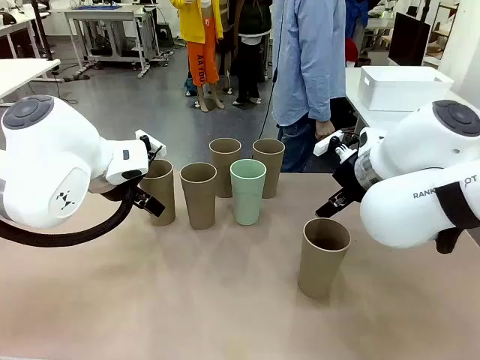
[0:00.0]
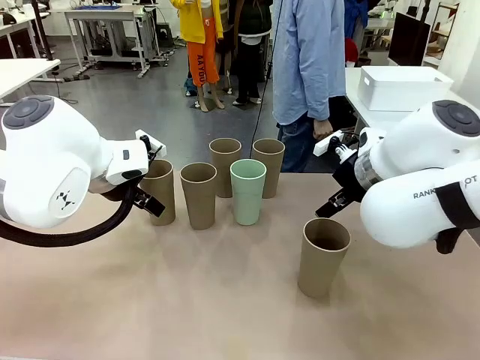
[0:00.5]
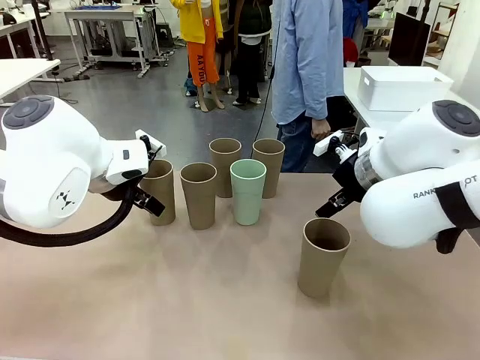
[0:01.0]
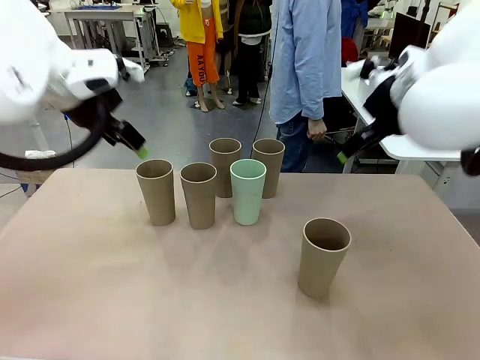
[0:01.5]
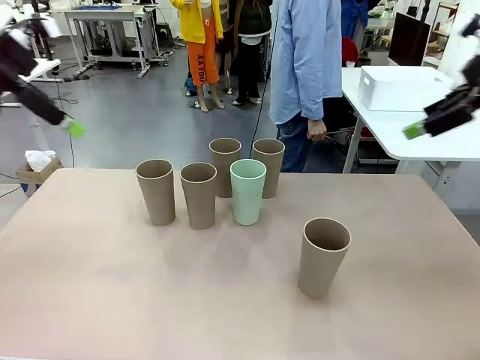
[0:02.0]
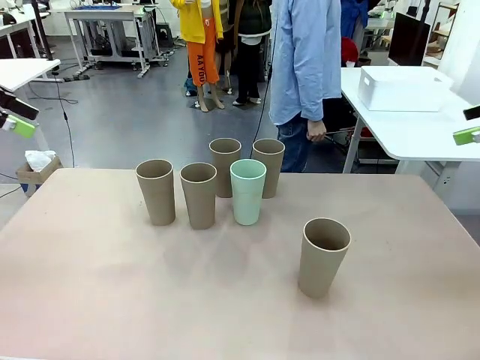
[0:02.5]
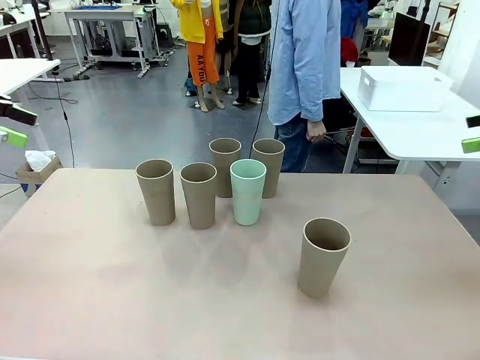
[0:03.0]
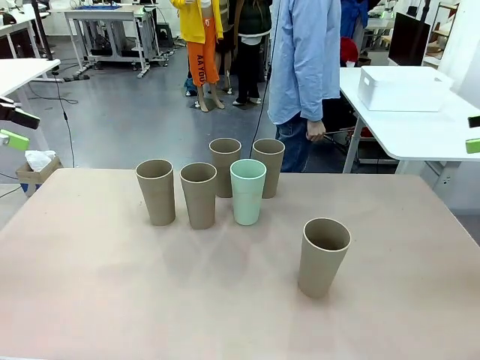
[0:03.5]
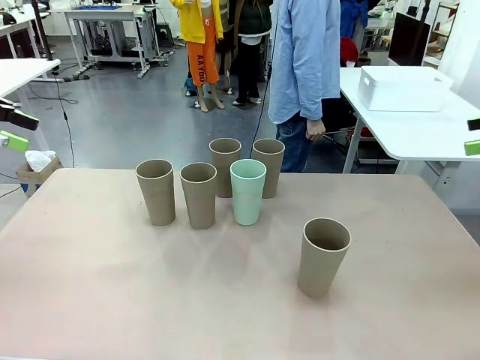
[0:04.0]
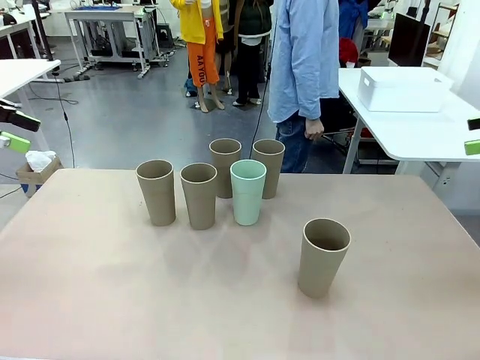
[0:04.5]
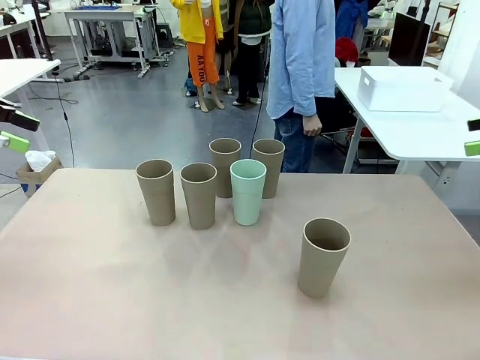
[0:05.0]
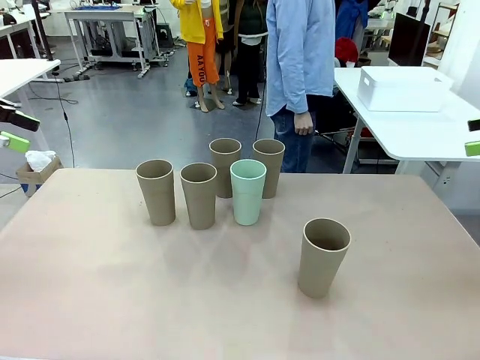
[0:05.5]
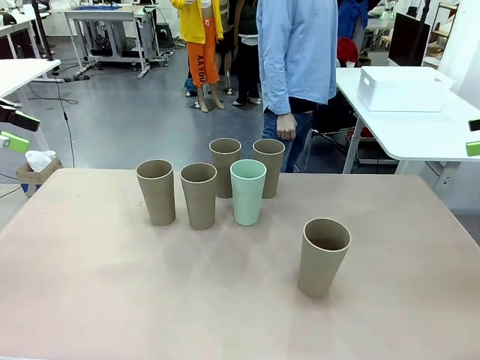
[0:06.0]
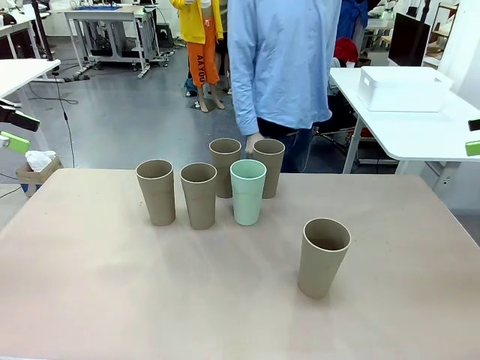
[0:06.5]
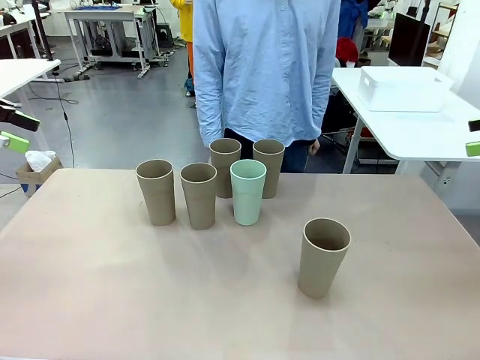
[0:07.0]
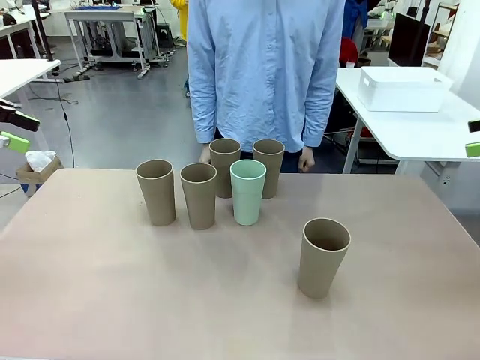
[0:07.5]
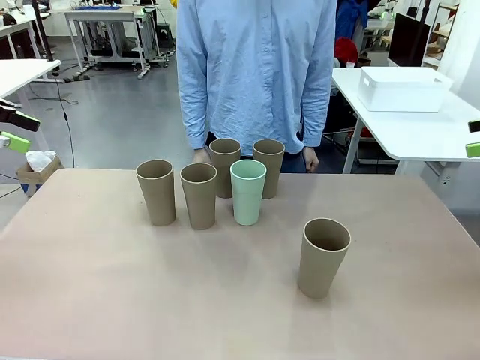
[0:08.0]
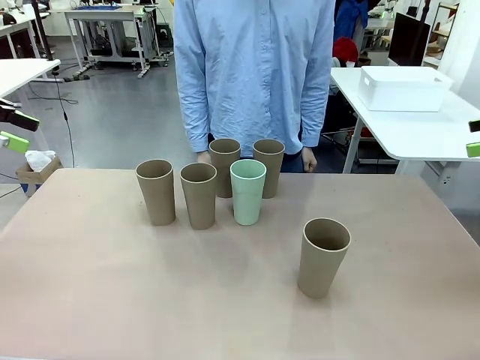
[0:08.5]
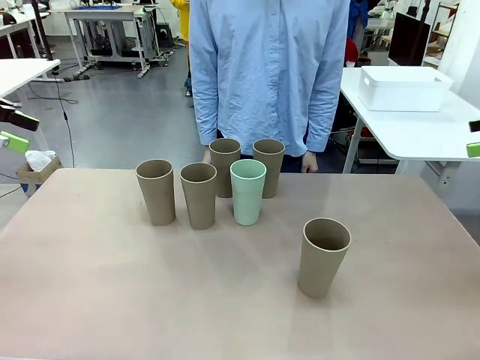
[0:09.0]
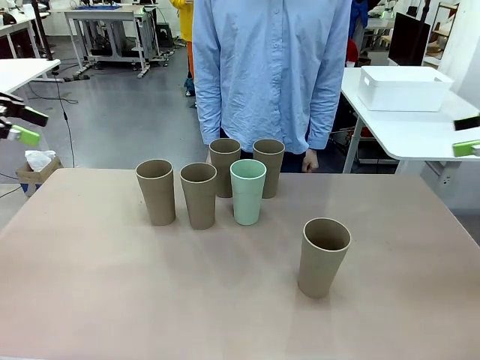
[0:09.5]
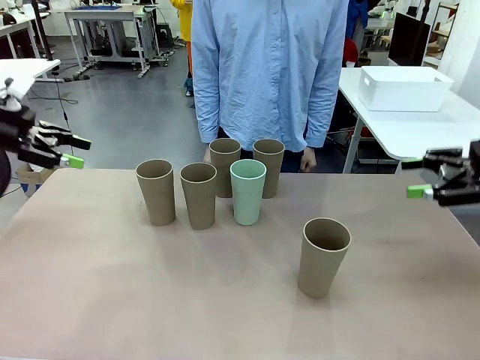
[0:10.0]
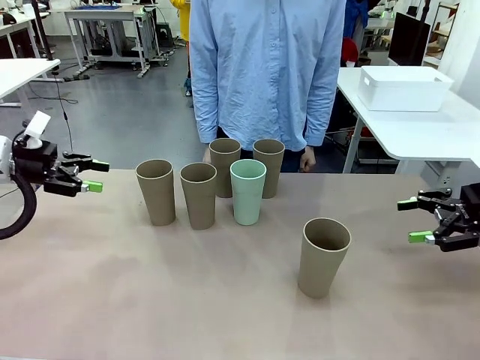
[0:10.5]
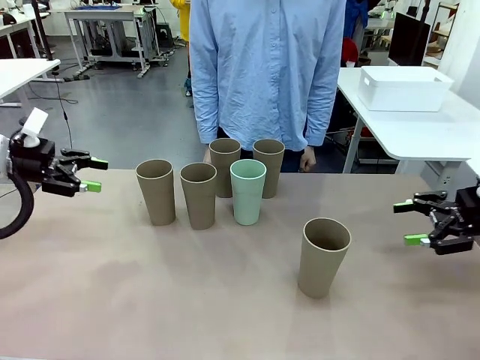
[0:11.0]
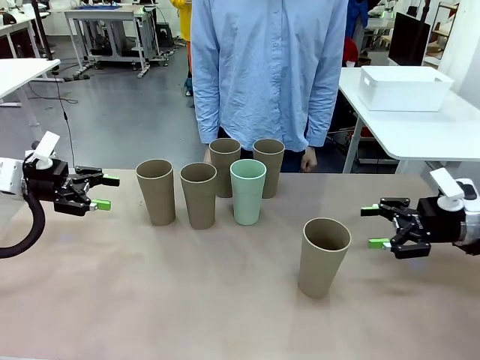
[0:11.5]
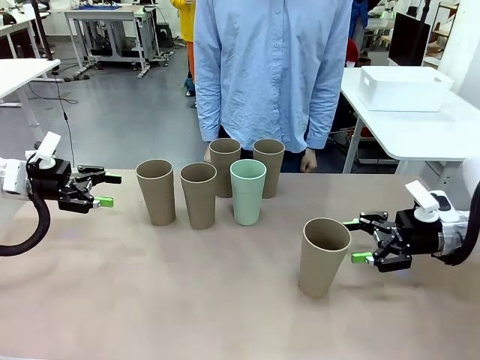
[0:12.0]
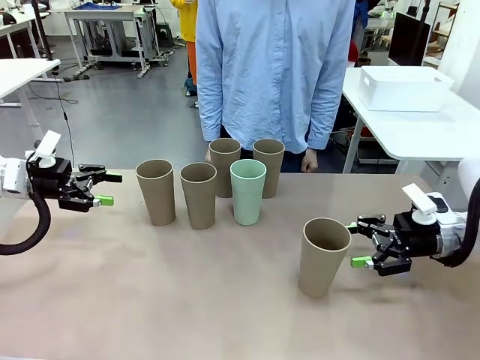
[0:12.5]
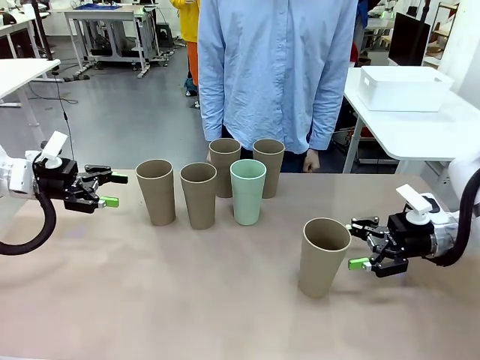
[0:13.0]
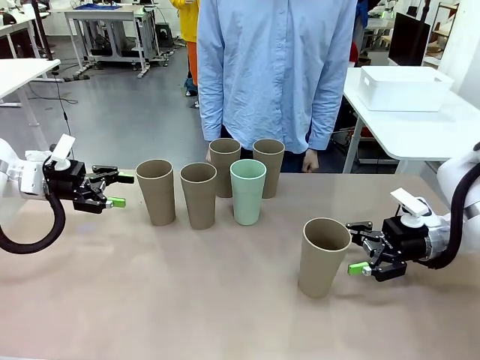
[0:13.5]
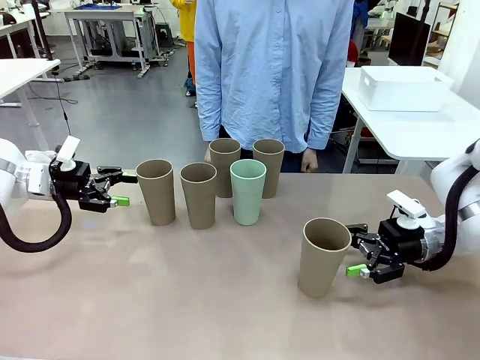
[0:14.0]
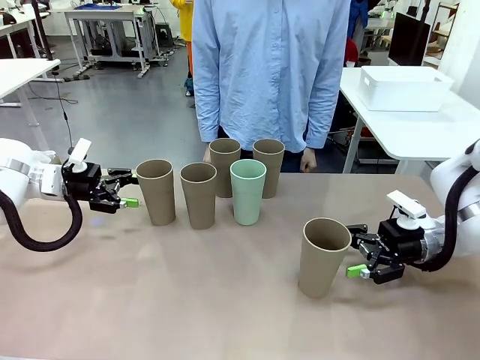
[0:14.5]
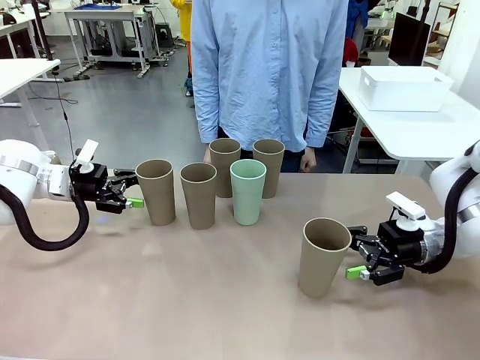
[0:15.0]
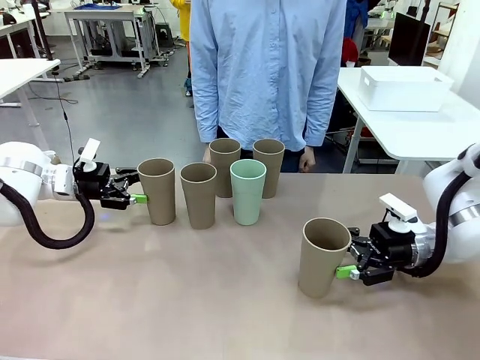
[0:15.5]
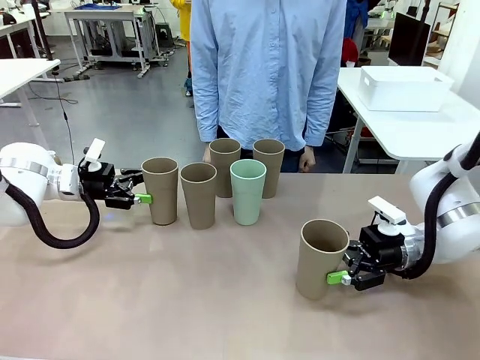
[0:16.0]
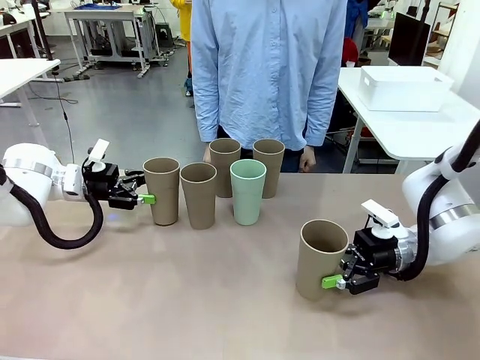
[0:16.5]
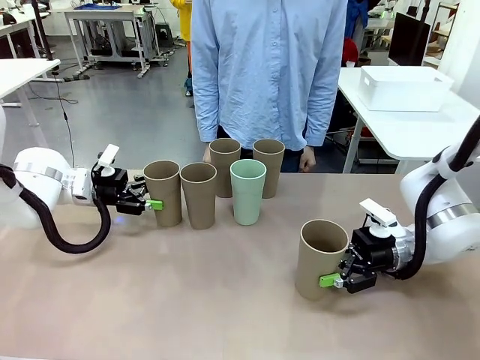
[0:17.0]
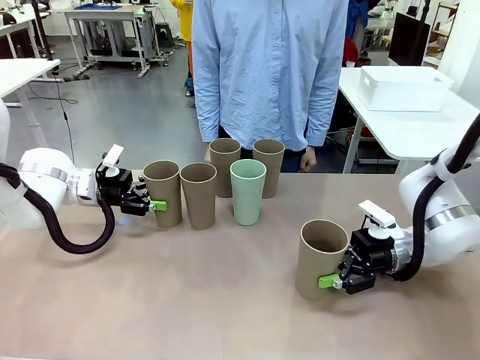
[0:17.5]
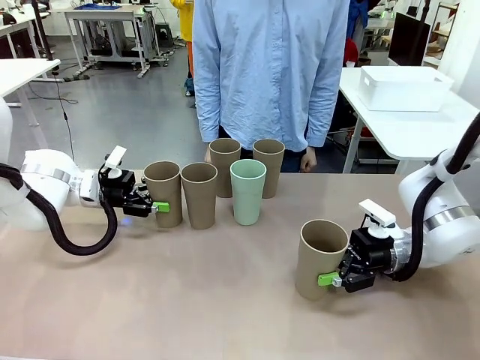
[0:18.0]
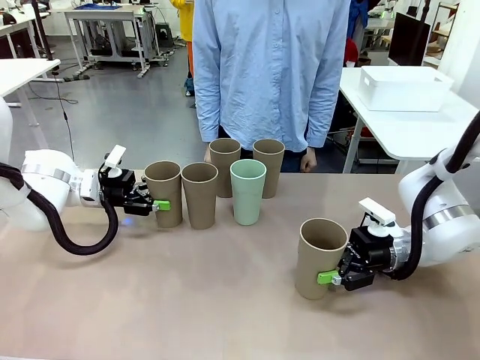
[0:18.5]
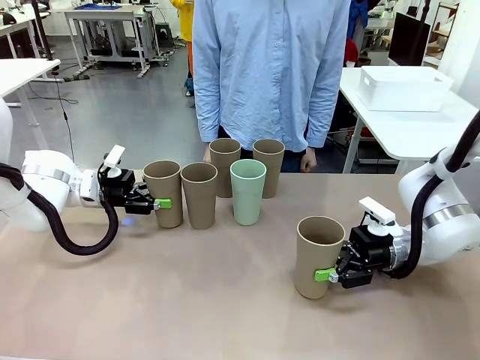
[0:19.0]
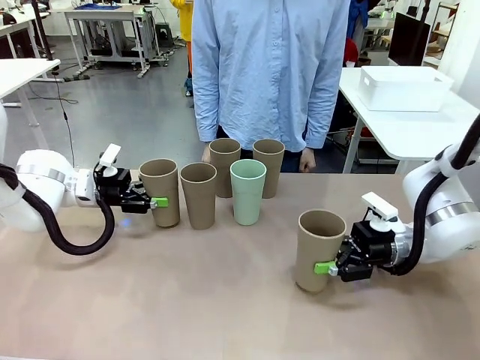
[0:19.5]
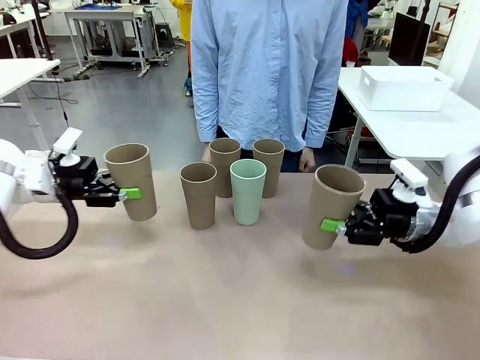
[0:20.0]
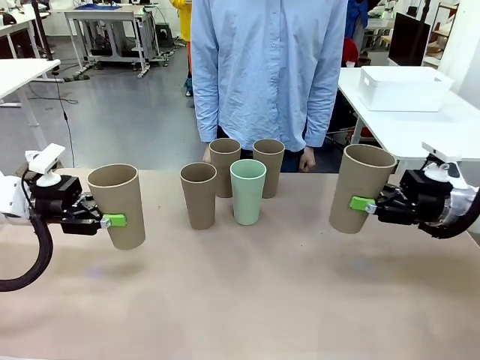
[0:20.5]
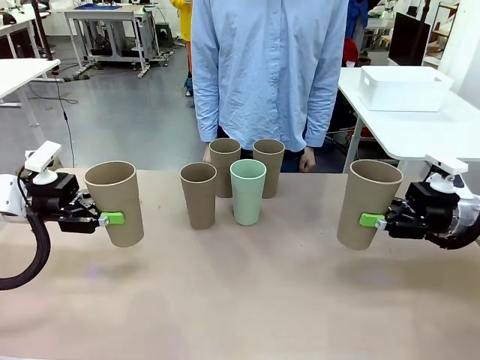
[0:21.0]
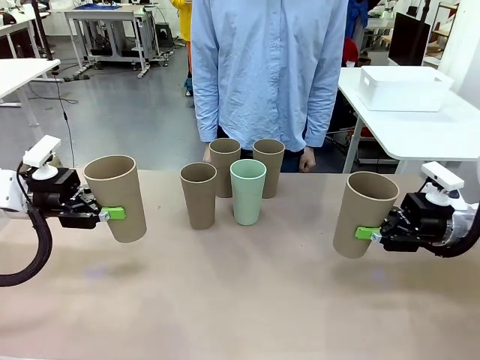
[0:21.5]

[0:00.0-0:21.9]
Task: Stack the cups and store them in the basket.
Robot: Pick up two Reusable plastic cups , one in each hand.
Person: Move from the Human Table to the front of the Robot Table. Stack two of the remaining cups on top of each cup held by the robot.

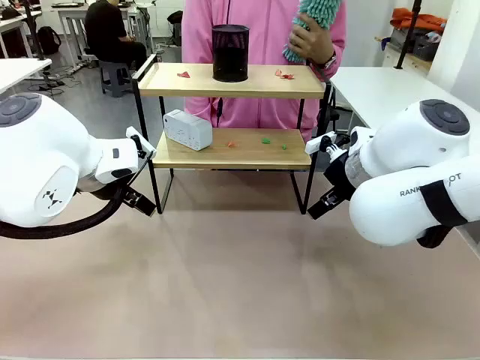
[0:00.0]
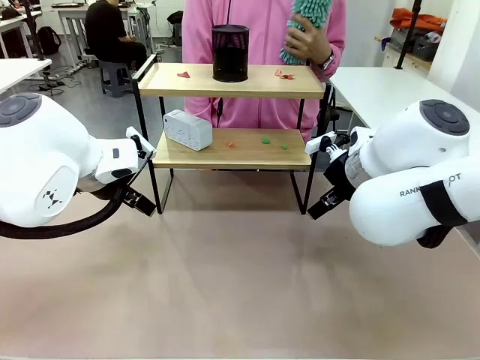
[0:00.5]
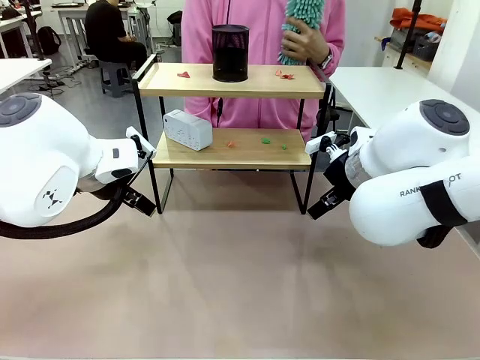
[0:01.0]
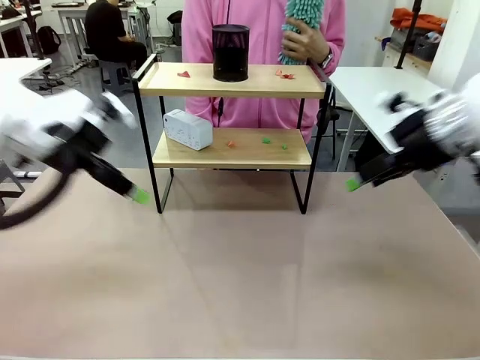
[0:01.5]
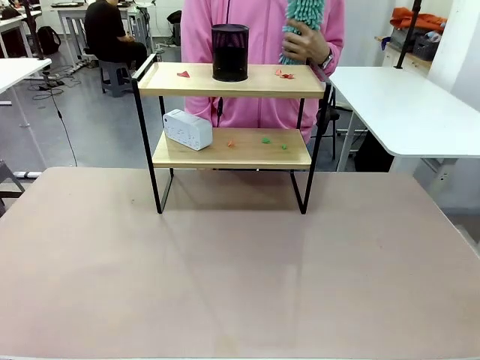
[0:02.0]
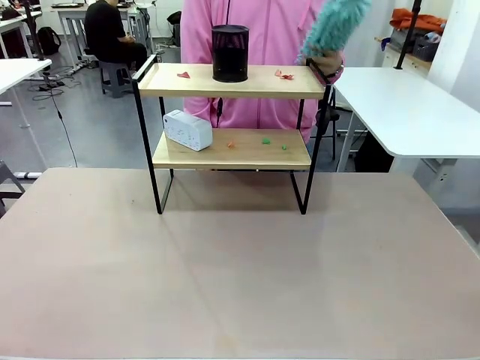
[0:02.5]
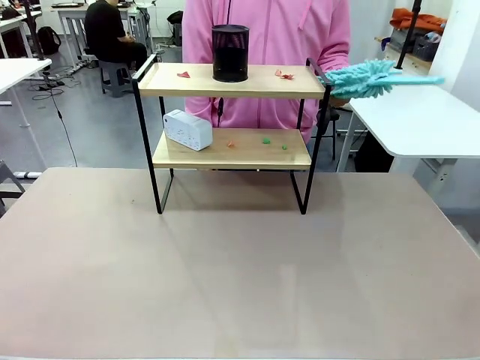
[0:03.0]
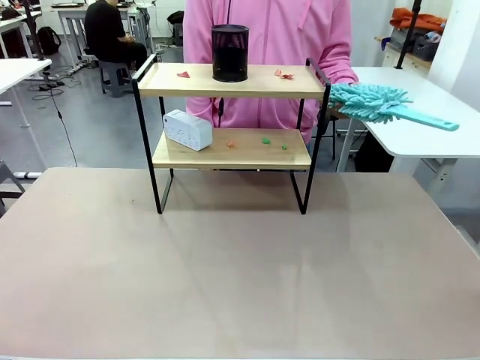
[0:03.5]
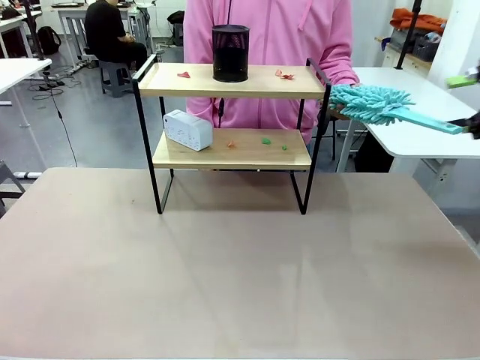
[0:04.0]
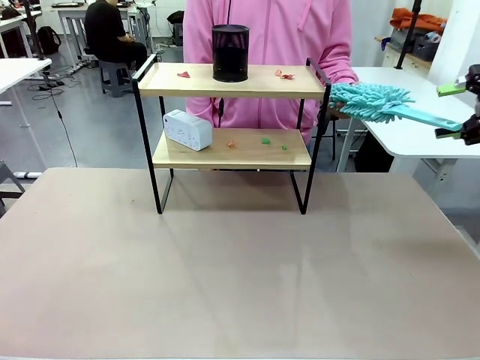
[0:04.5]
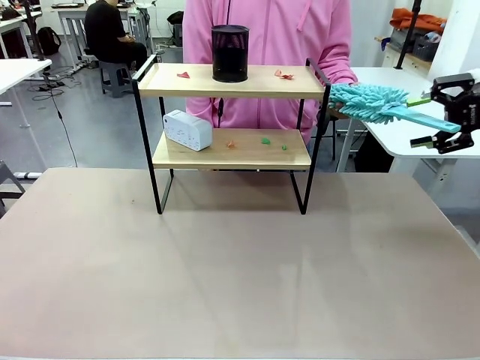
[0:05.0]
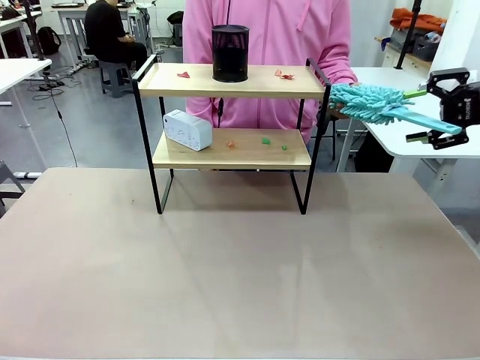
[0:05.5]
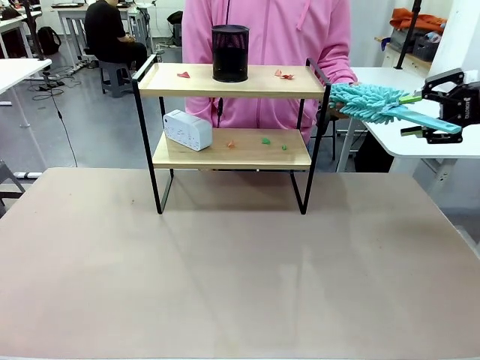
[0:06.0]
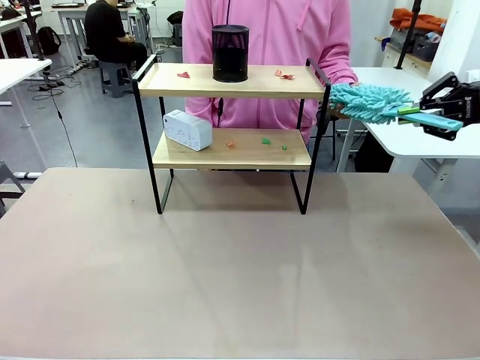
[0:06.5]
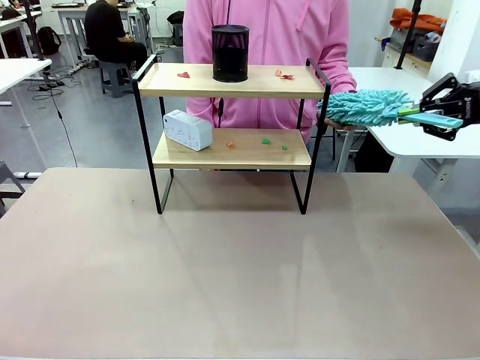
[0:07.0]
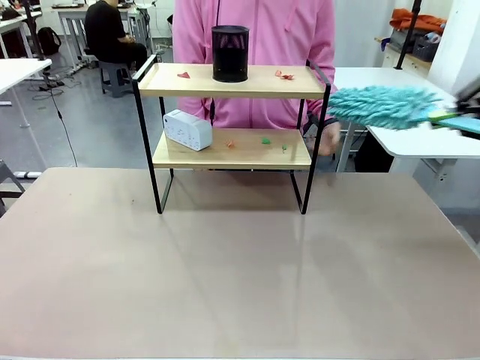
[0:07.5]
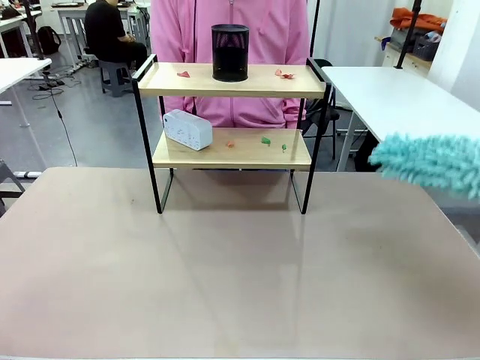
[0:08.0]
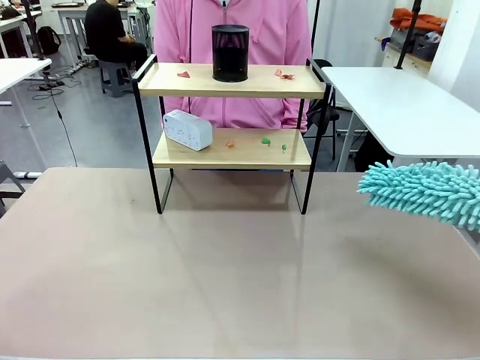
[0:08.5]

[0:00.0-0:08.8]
Task: Clean the shelf.
Robot: Pick up the Duster from the human.
Person: Hand the Duster to the robot.
